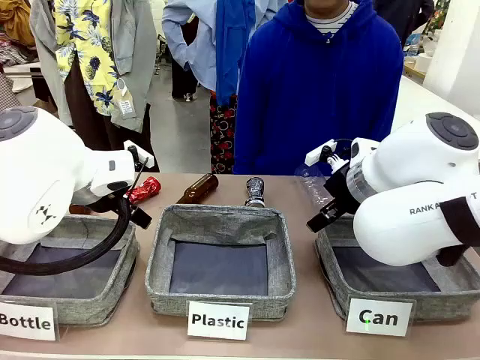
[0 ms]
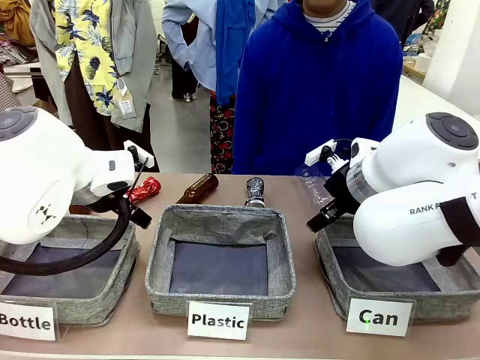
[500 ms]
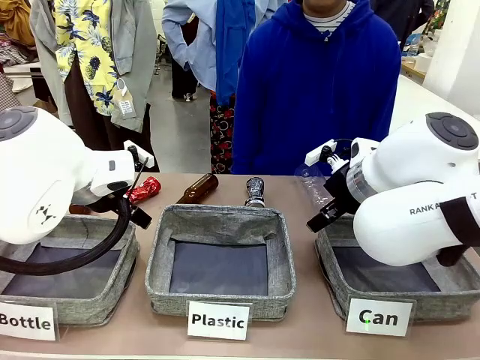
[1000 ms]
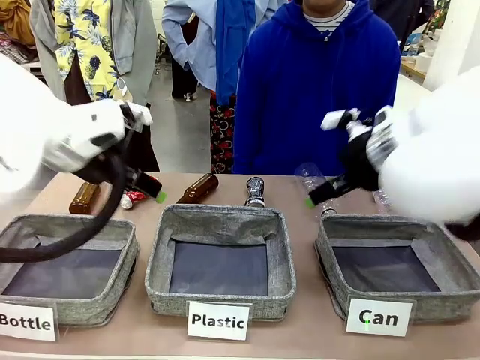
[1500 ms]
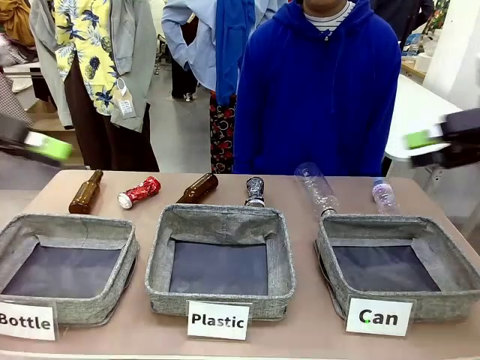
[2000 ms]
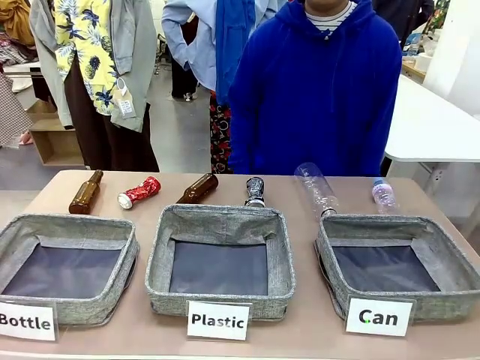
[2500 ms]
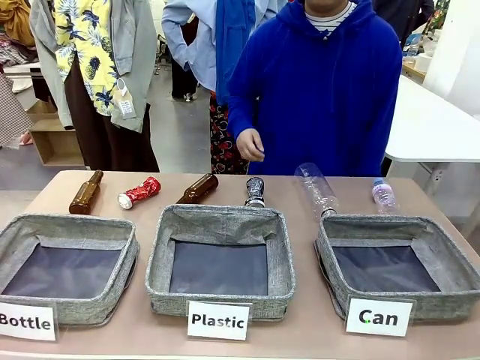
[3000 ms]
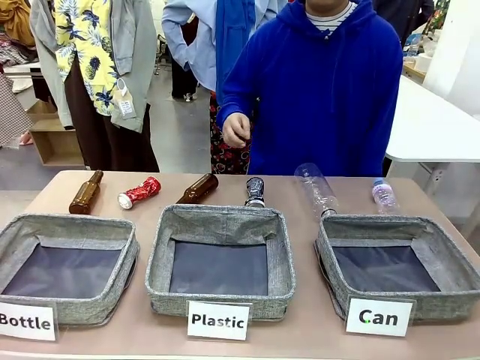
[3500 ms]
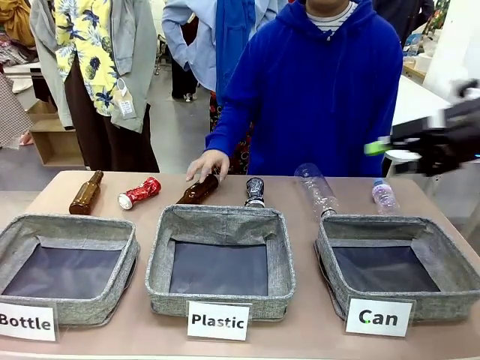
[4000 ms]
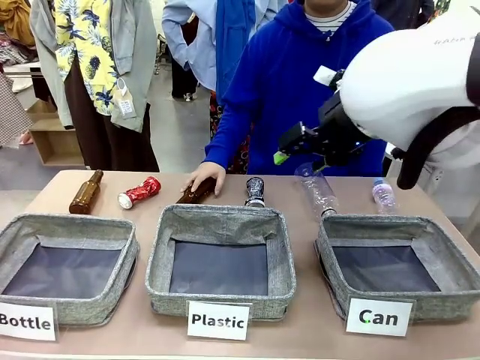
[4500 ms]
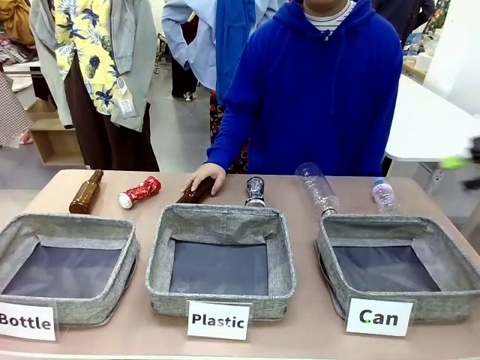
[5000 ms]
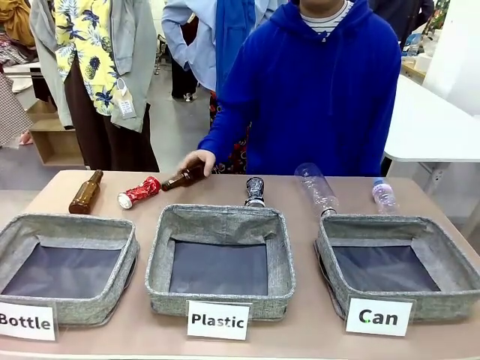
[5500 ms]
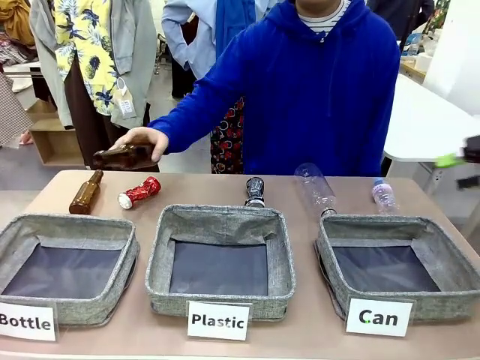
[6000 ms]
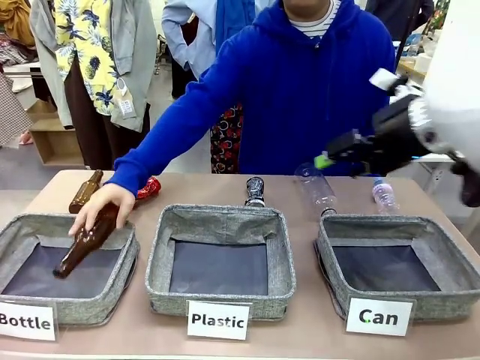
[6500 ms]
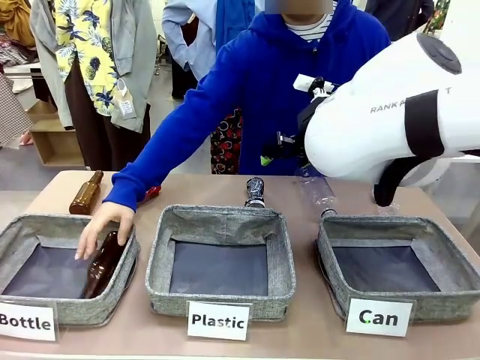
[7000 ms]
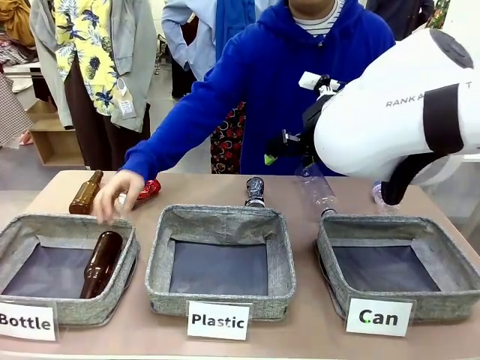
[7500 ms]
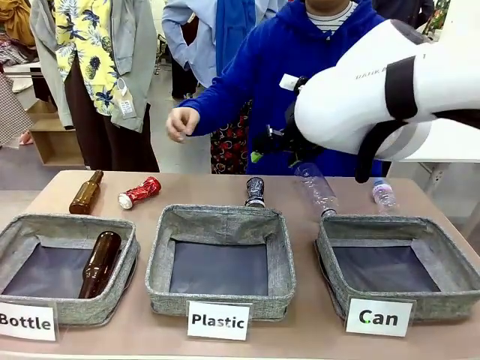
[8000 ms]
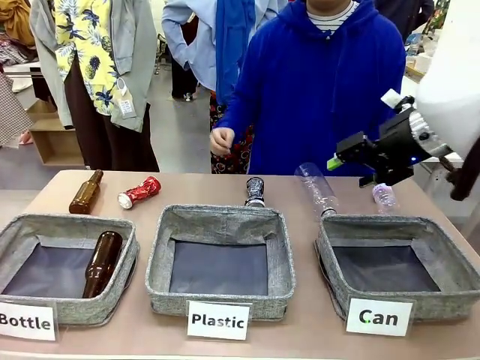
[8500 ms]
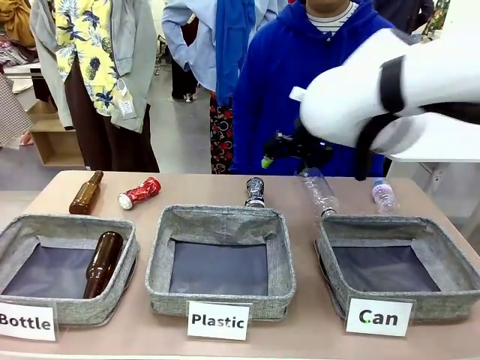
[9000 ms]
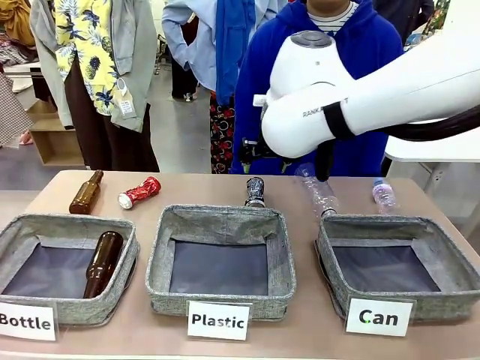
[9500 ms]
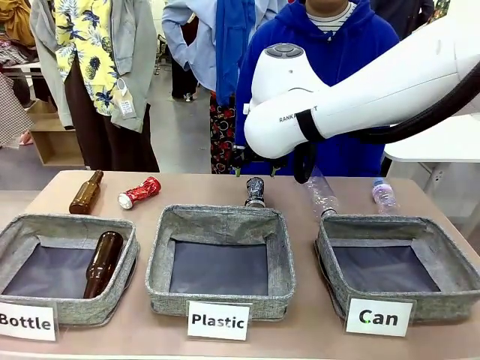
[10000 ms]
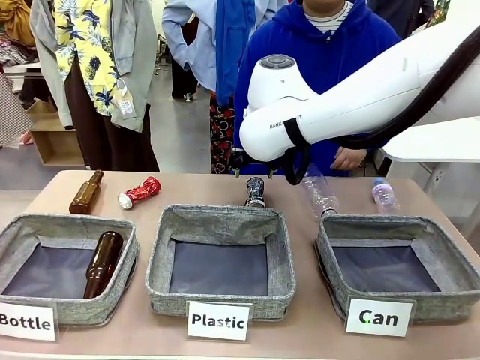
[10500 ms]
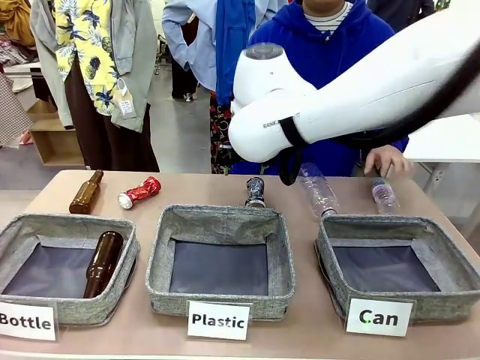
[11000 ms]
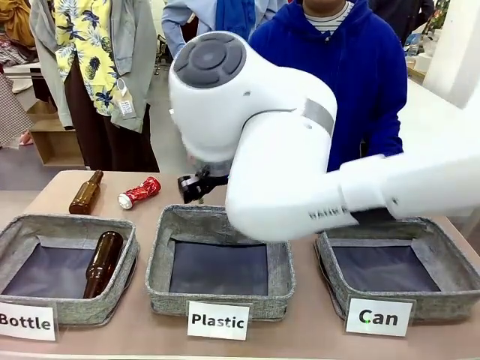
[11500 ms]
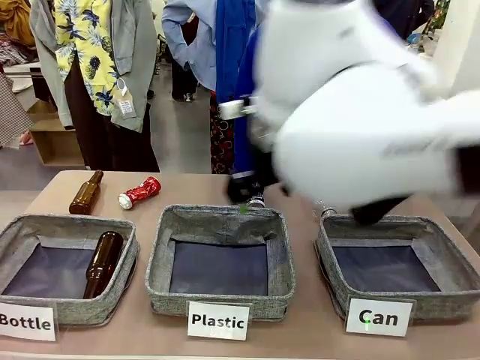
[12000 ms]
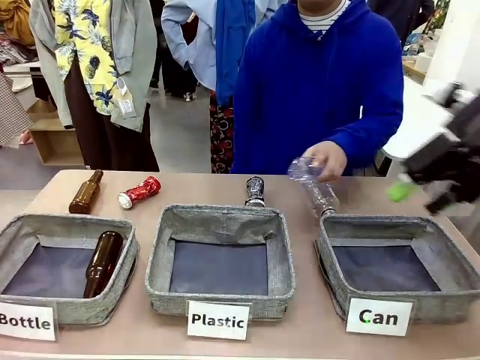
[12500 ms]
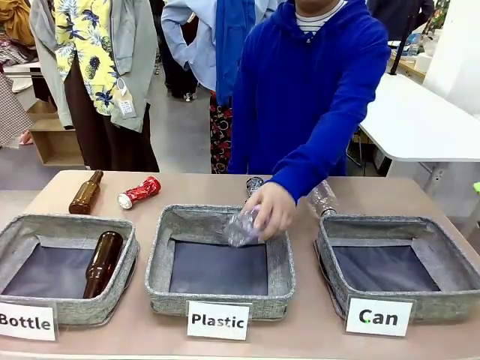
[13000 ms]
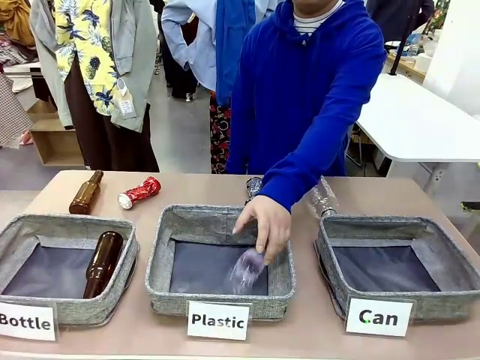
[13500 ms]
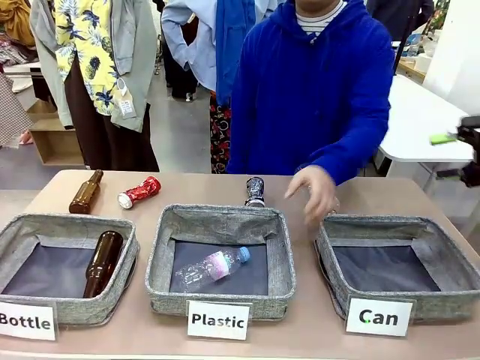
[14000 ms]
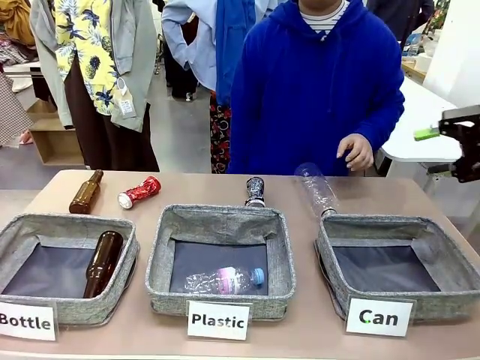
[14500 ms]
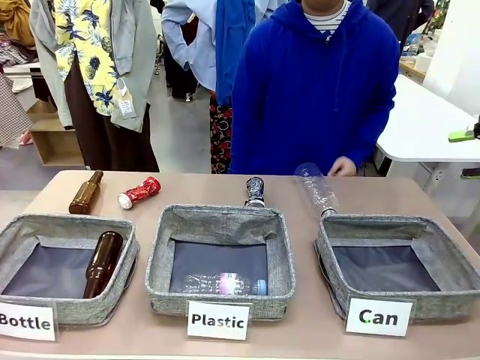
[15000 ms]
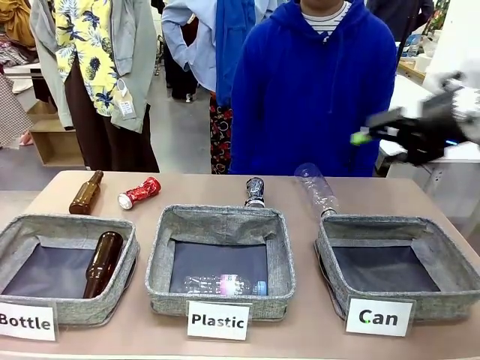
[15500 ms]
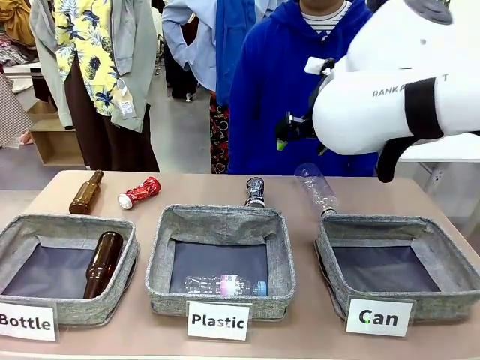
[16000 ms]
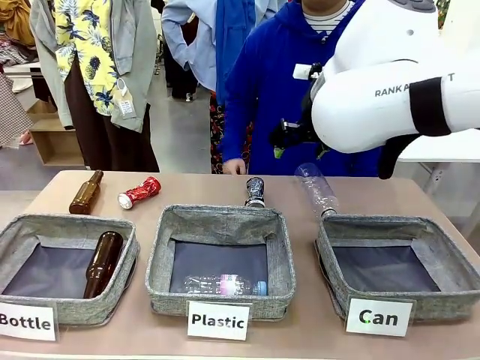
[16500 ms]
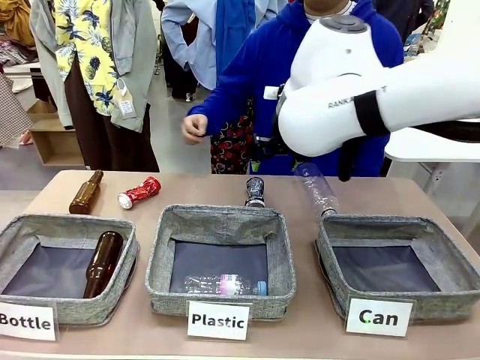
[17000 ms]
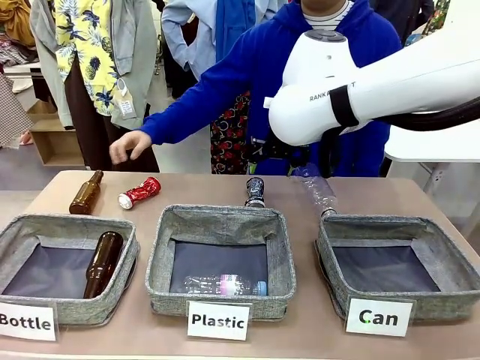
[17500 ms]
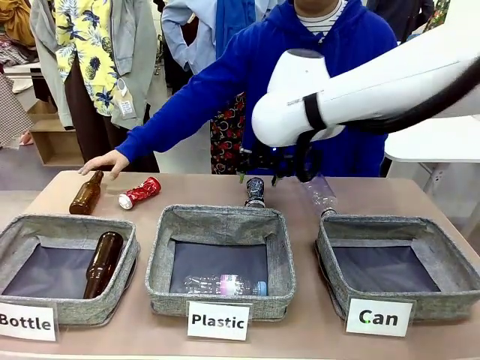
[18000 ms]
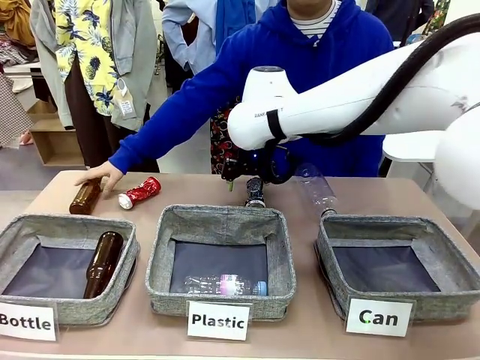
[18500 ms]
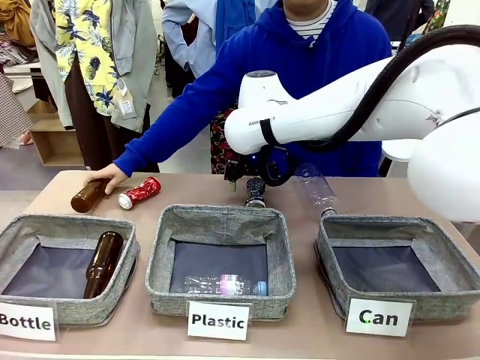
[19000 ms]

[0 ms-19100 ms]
Task: Sort the can waste into the basket.
Robot: Pick up the can waste from the table and place it in the right Fabric basket.
